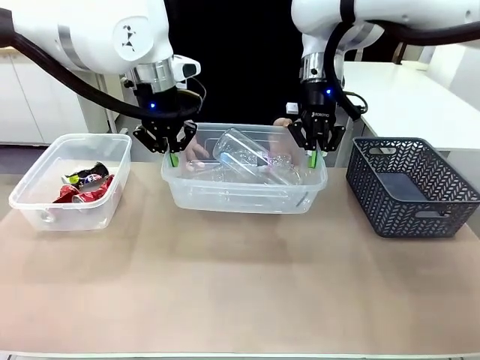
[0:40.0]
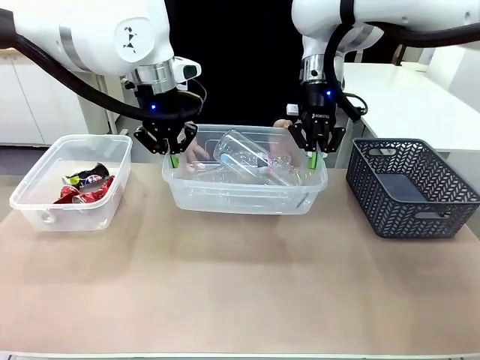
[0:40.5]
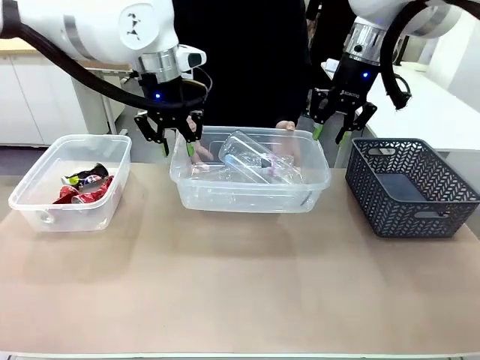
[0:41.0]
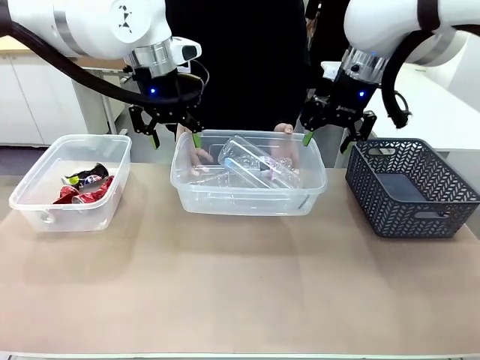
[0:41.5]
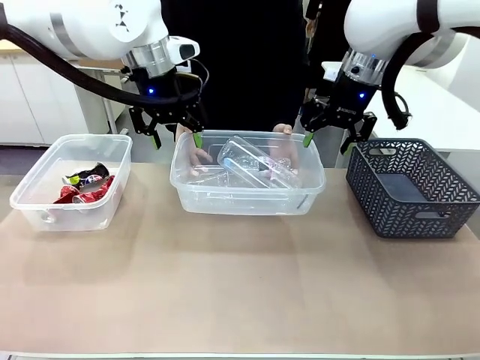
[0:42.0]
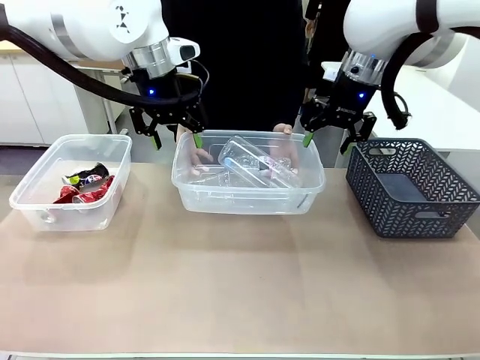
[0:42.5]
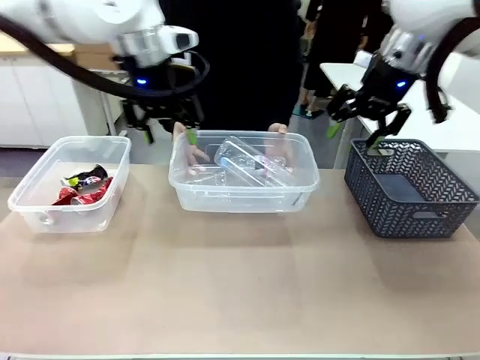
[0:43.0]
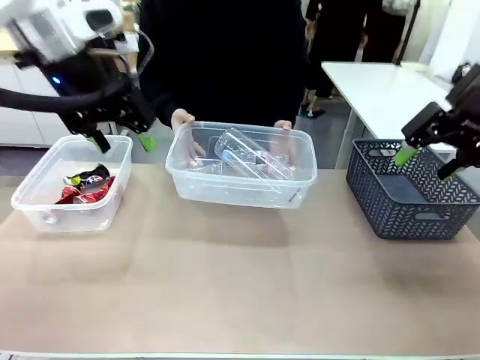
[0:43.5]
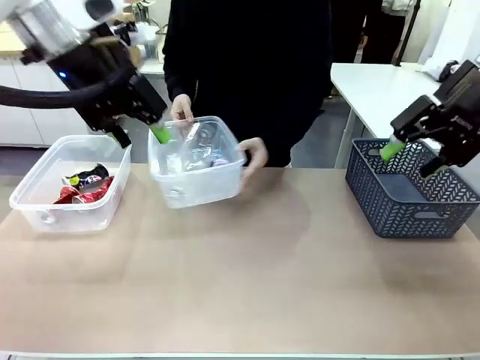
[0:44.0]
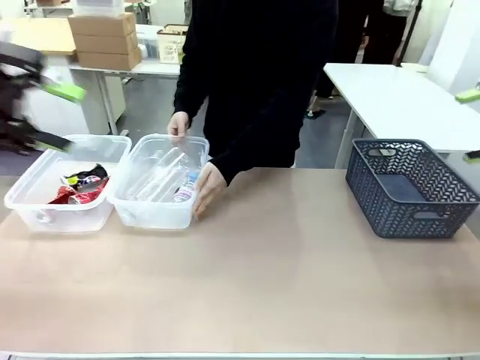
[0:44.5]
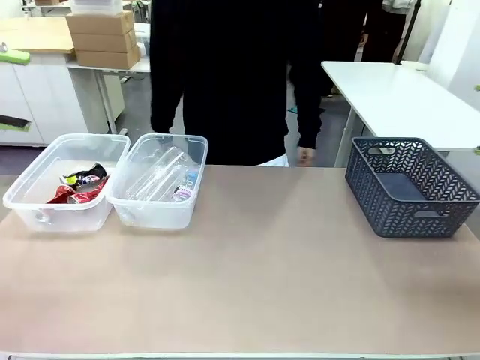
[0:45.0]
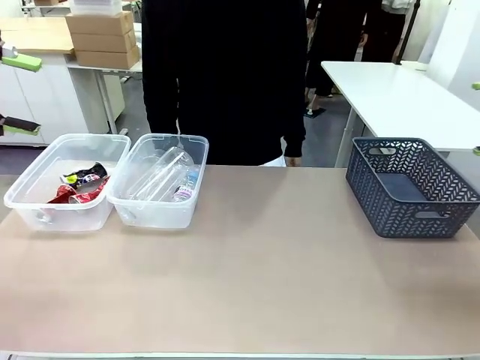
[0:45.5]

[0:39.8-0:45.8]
Robot: Release the Organizing box you were holding.
Person: Pick up the organizing box extended by the robot. Place the organizing box to the left of the sorting box containing the can waste.

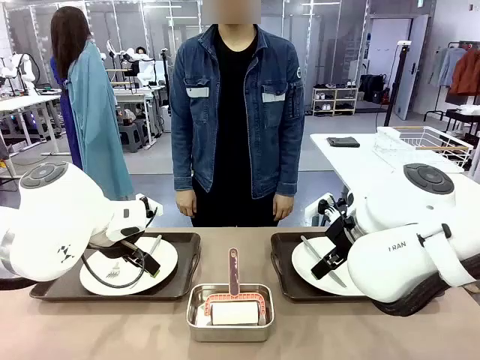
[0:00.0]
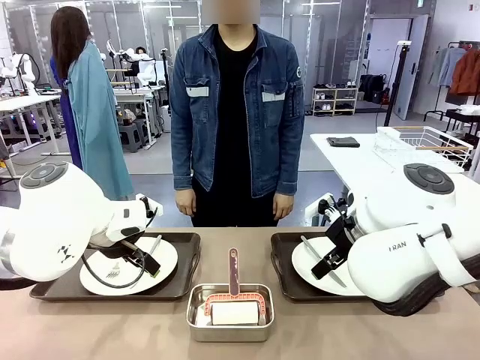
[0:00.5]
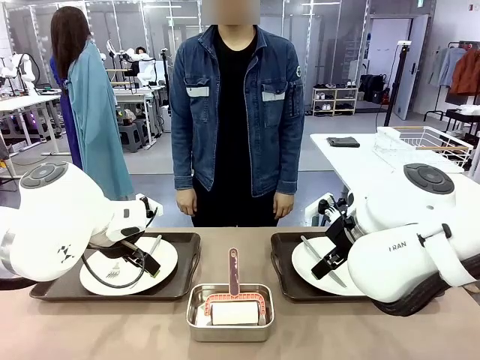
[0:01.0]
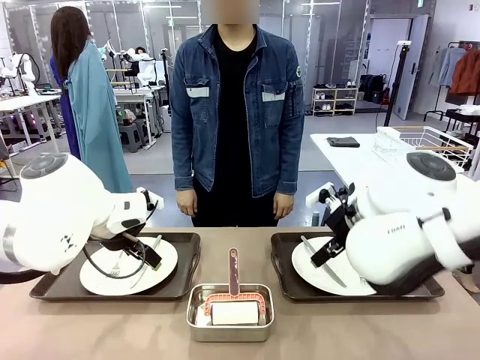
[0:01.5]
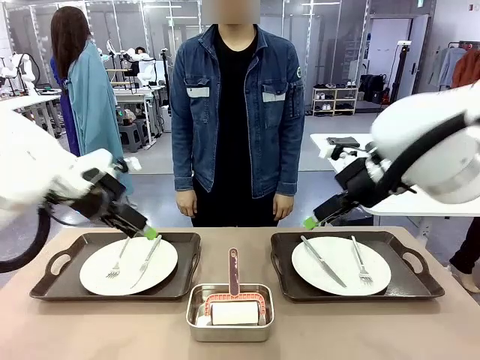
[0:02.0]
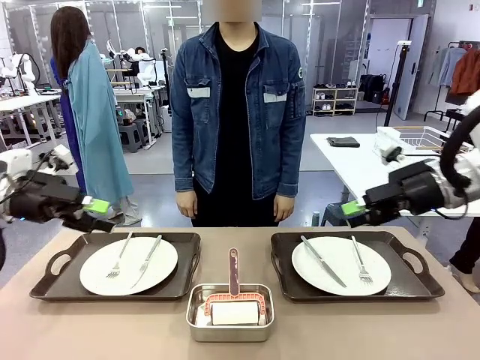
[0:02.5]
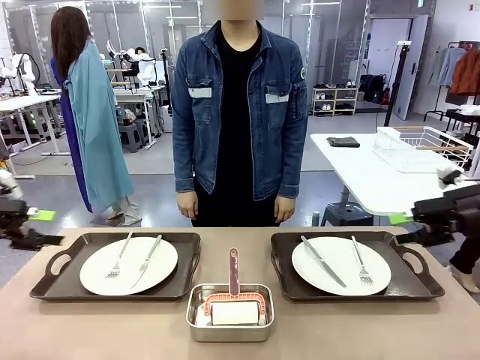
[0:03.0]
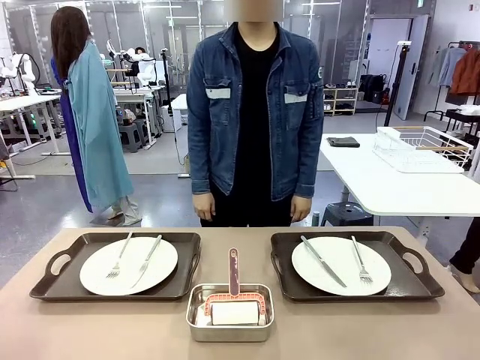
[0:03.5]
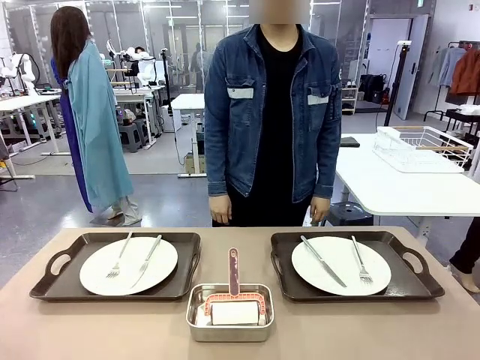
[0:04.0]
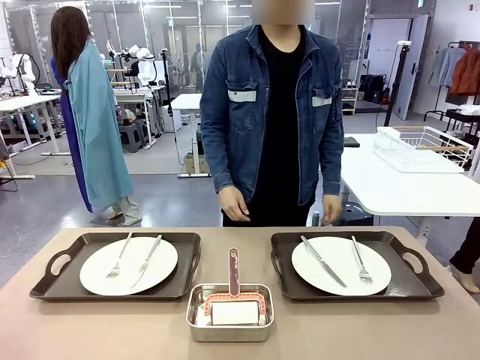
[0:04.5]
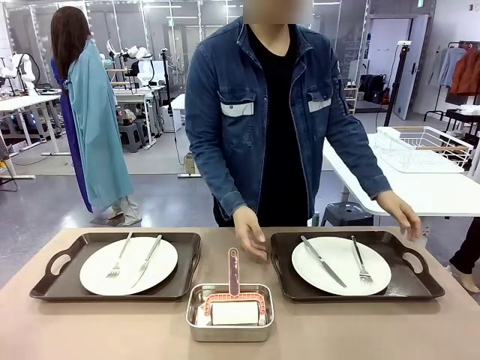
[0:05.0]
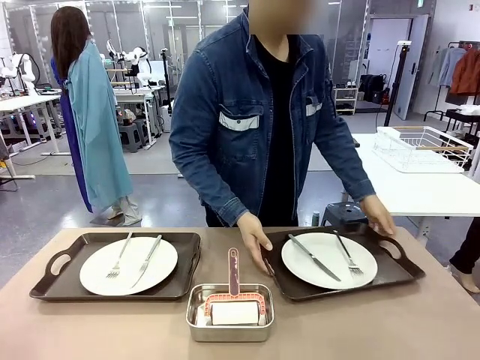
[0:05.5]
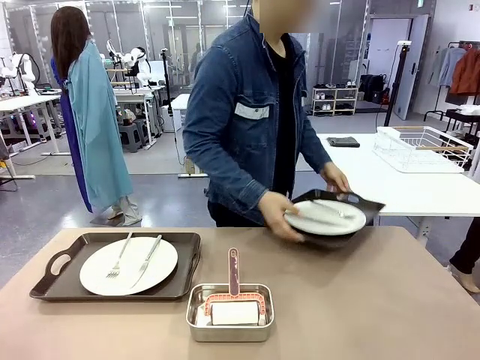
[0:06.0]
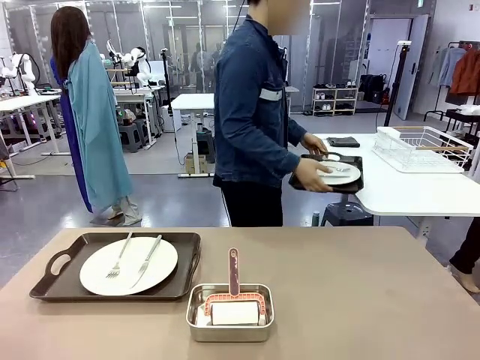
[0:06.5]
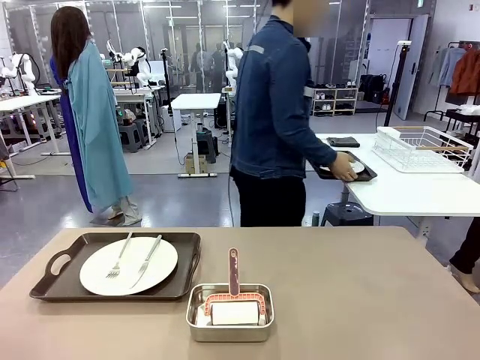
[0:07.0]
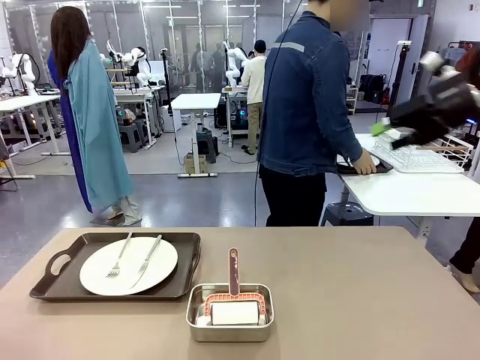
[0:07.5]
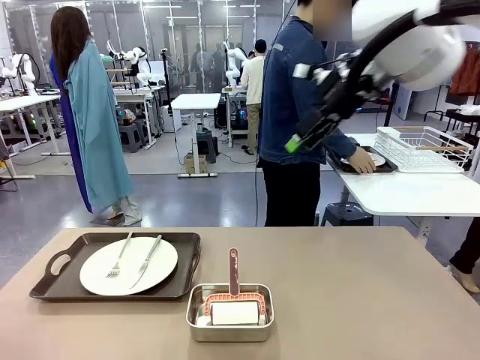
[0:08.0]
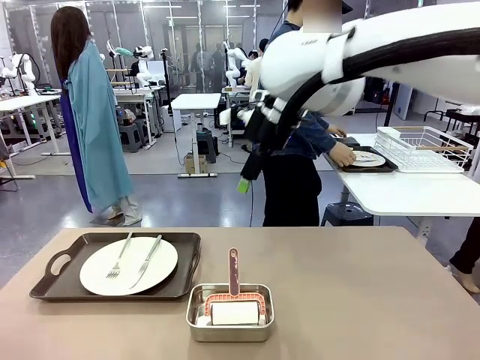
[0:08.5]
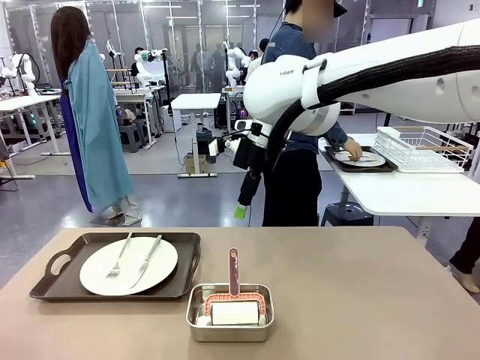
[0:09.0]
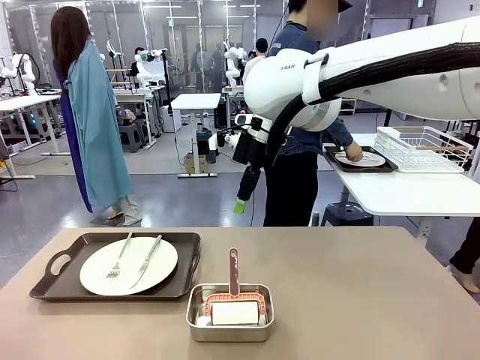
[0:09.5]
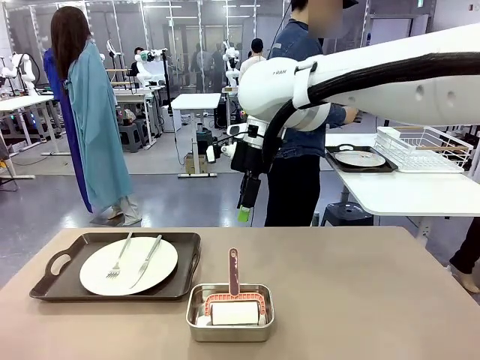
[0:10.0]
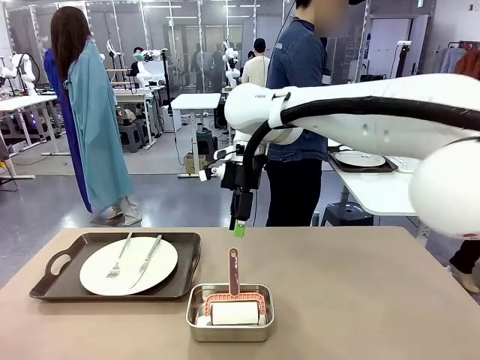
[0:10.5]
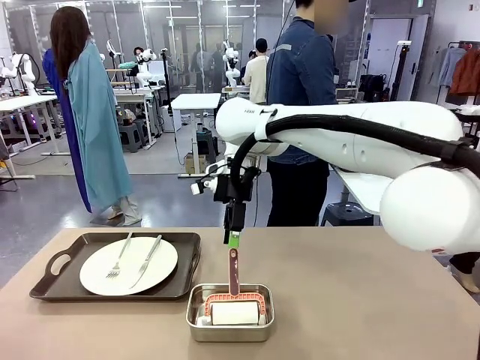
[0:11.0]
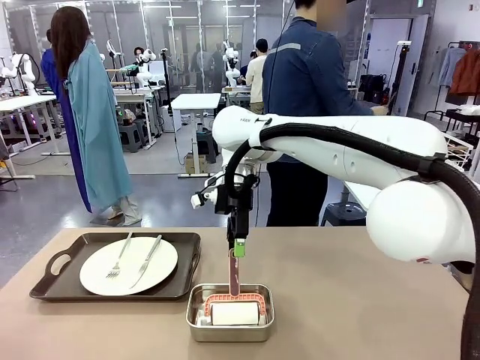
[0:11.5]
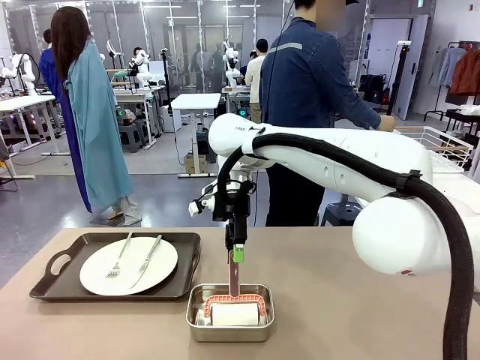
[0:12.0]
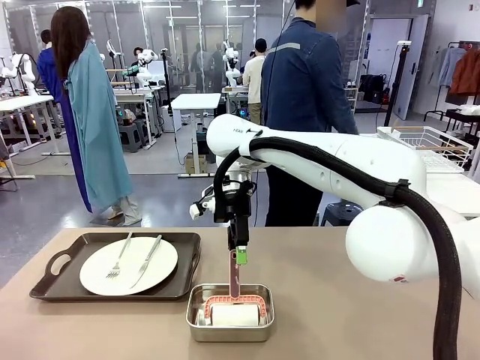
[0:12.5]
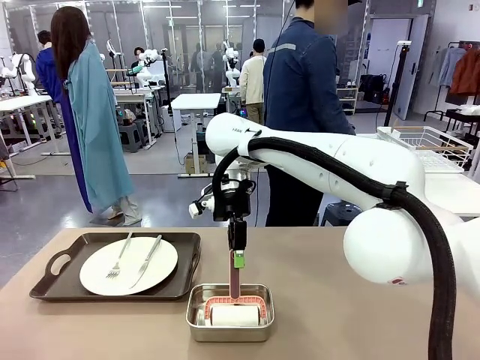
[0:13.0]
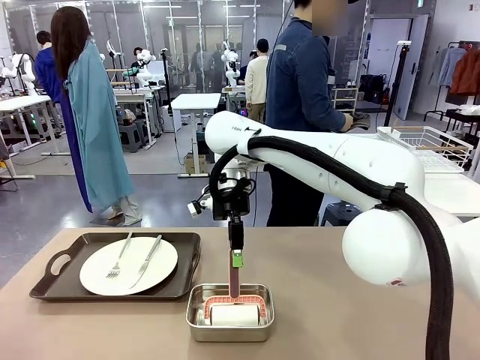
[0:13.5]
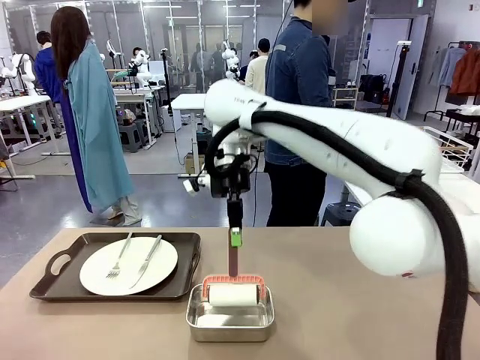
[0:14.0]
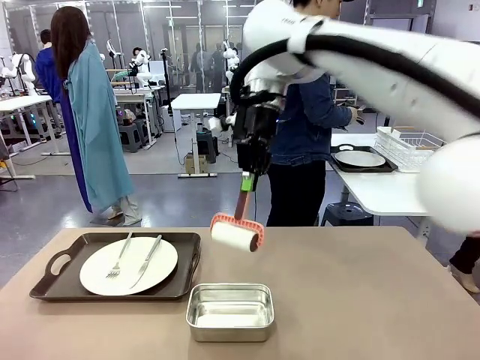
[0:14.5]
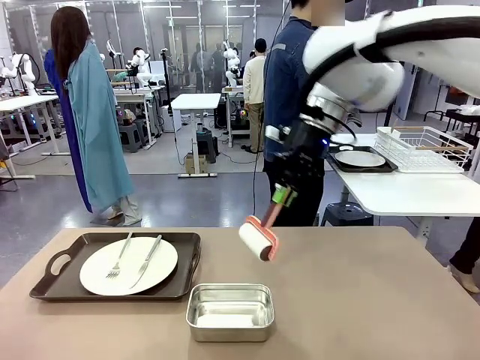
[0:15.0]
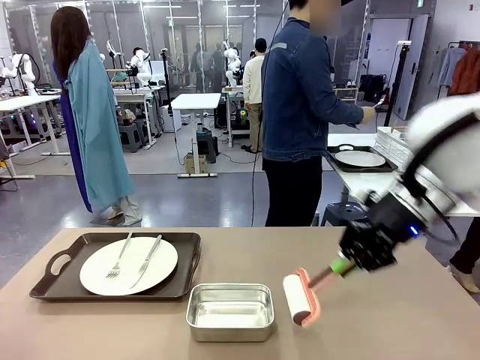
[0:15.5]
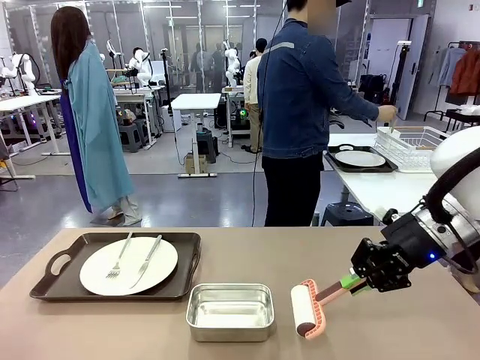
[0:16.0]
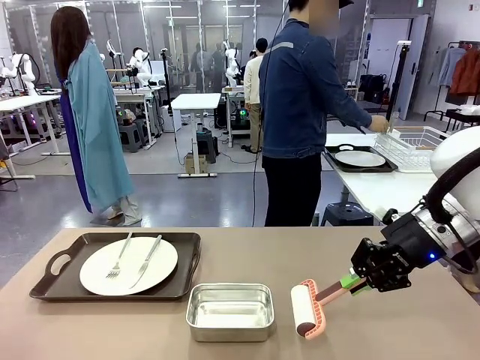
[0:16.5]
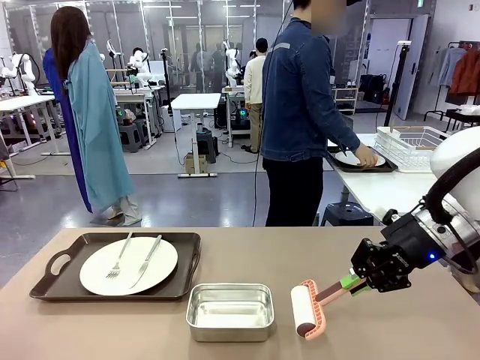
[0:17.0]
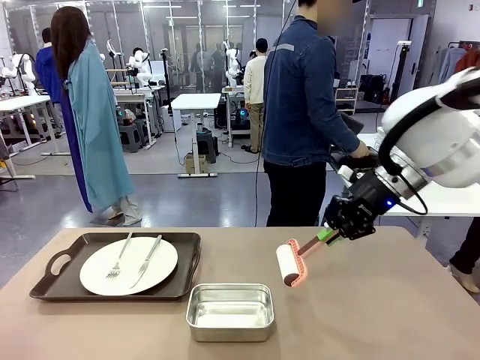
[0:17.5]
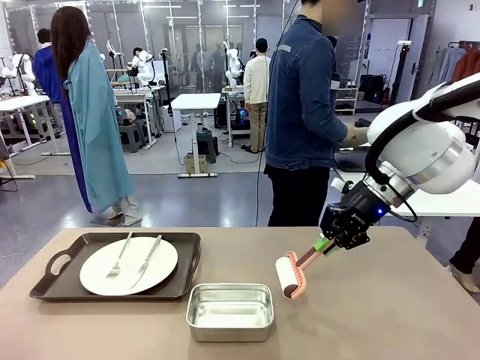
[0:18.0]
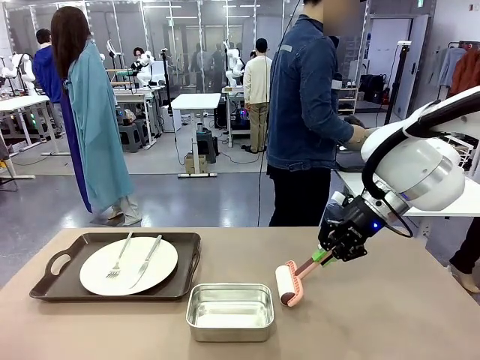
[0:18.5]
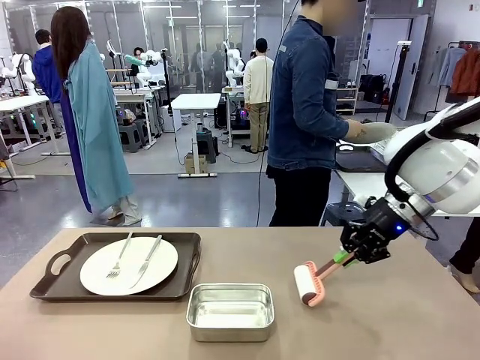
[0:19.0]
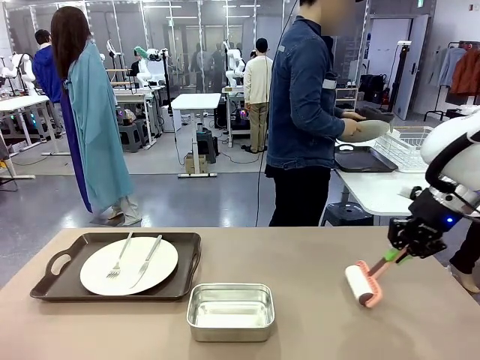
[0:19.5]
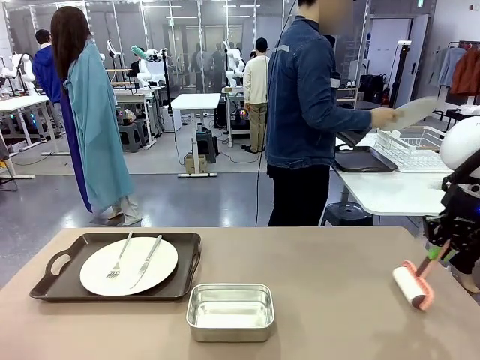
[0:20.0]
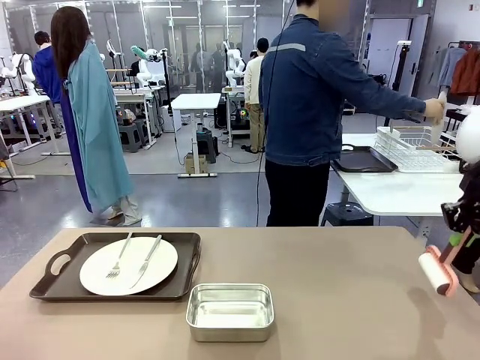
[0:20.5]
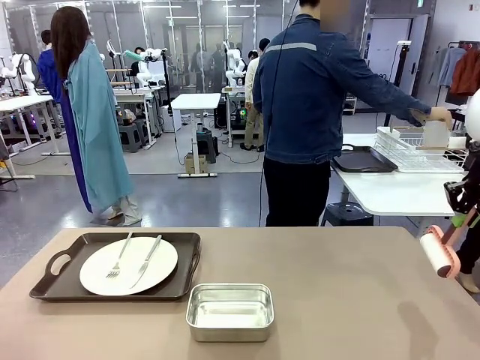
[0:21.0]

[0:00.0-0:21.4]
Robot: When the left (or right) Handle tray is removed, use the left hand (or right hand) to clean the left (or right) side of the table with the Lint Roller.
Person: Pick up the left (or right) Handle tray and place it on the middle of the Human's table. Use the Towel with hook to wipe the Plastic Matte Plate , Fork , and Knife and place into the Dish drying rack.
